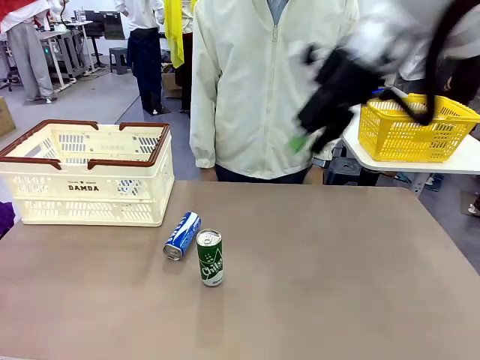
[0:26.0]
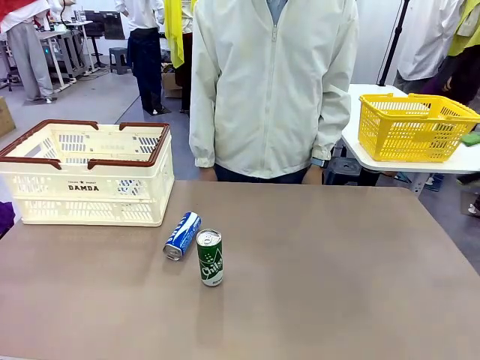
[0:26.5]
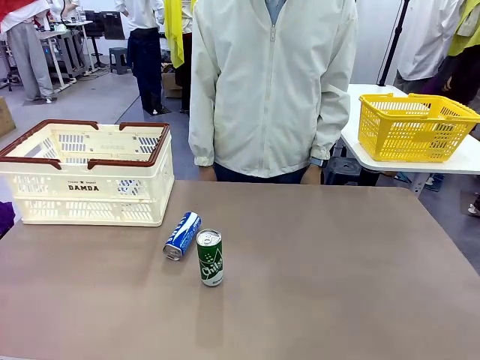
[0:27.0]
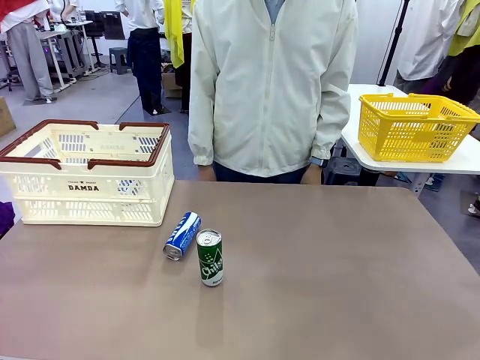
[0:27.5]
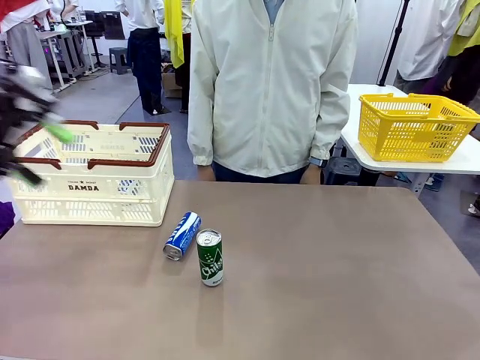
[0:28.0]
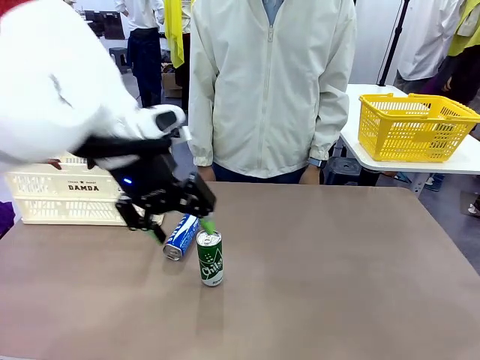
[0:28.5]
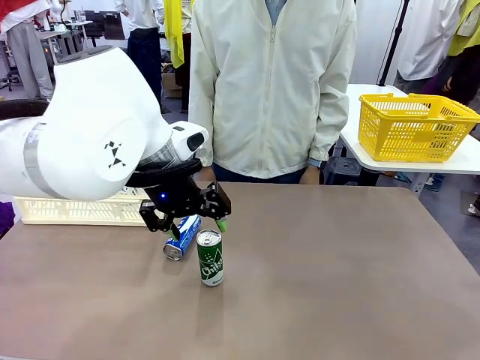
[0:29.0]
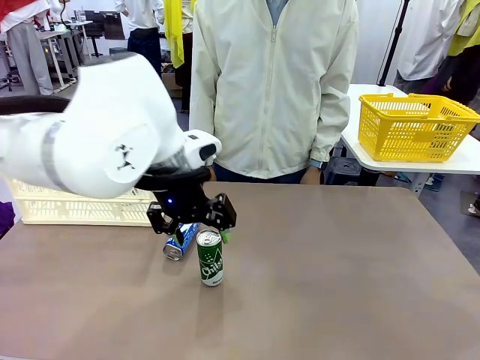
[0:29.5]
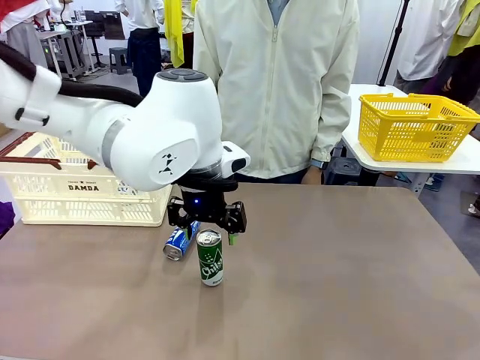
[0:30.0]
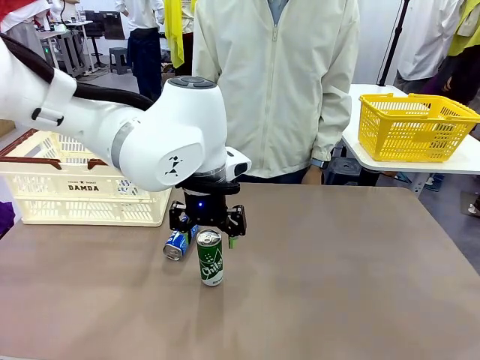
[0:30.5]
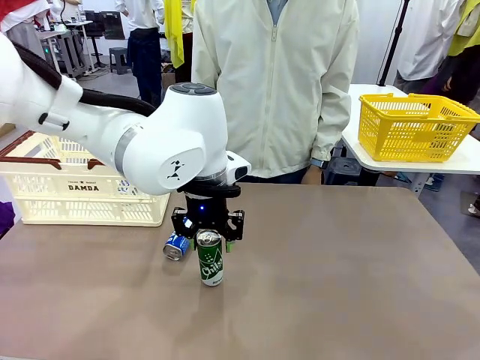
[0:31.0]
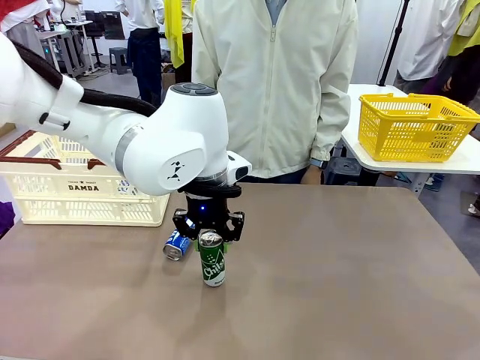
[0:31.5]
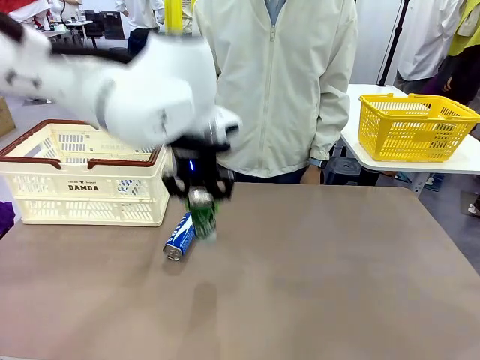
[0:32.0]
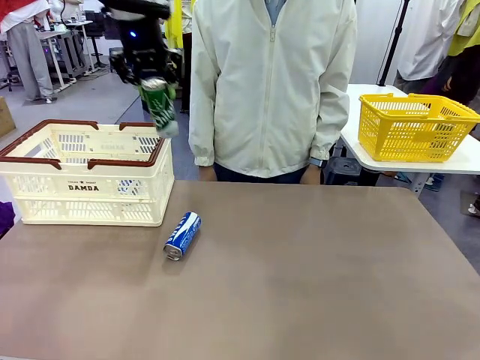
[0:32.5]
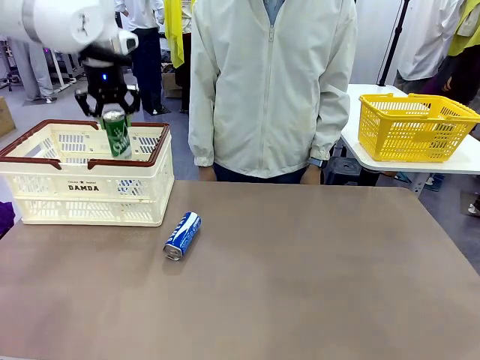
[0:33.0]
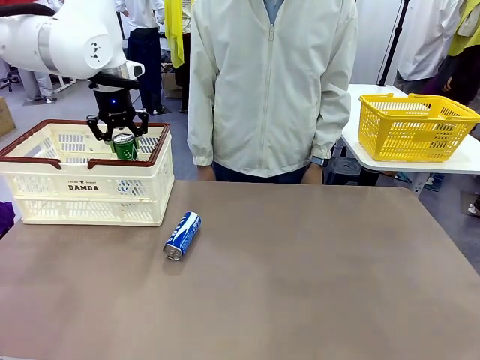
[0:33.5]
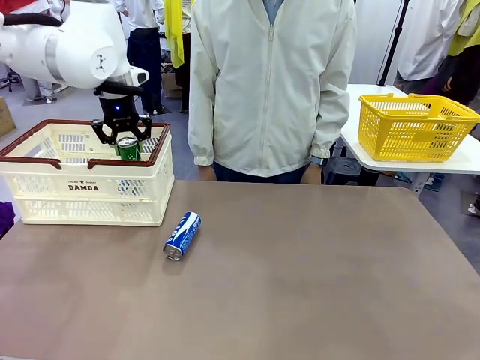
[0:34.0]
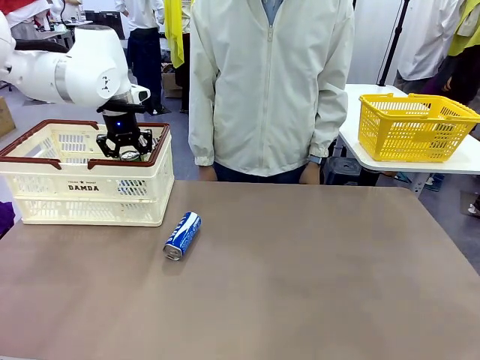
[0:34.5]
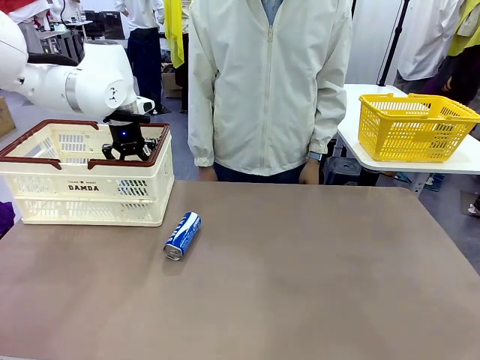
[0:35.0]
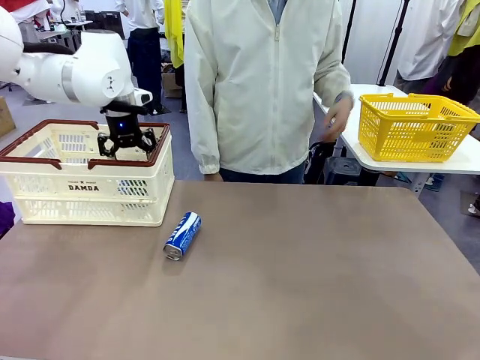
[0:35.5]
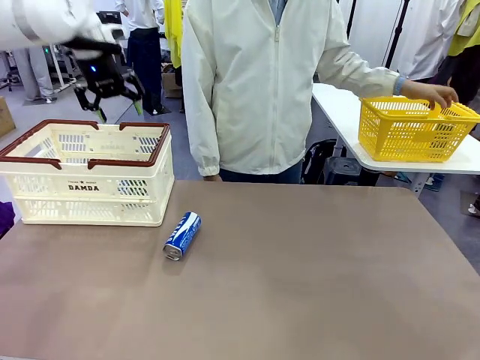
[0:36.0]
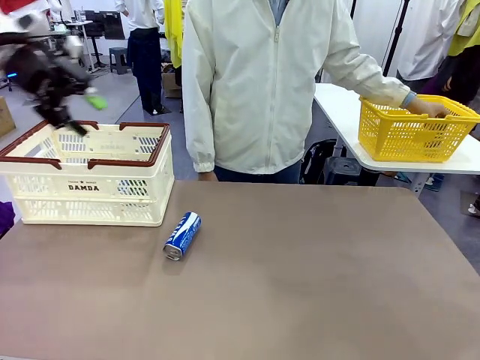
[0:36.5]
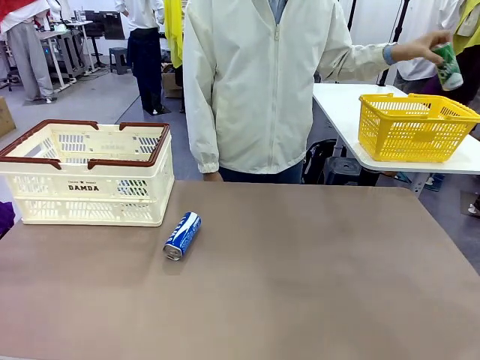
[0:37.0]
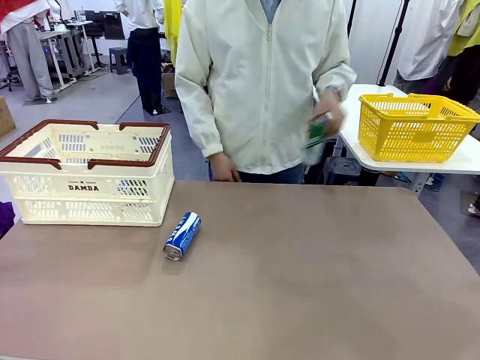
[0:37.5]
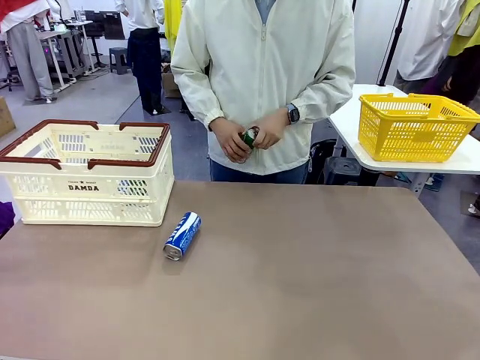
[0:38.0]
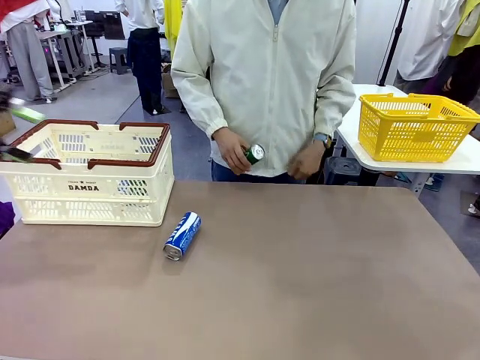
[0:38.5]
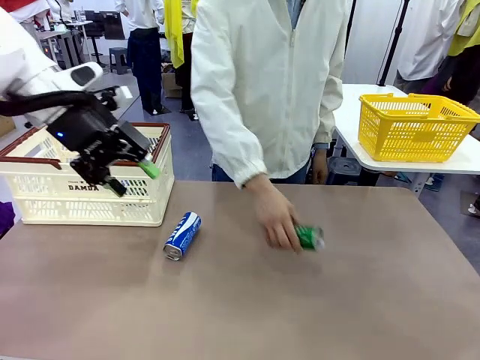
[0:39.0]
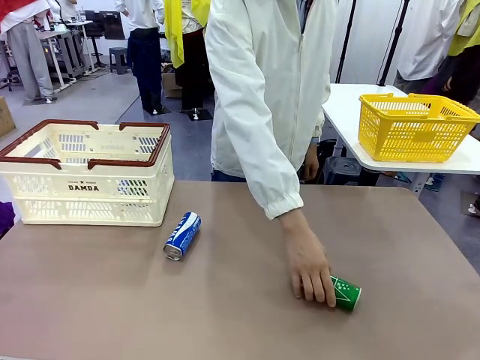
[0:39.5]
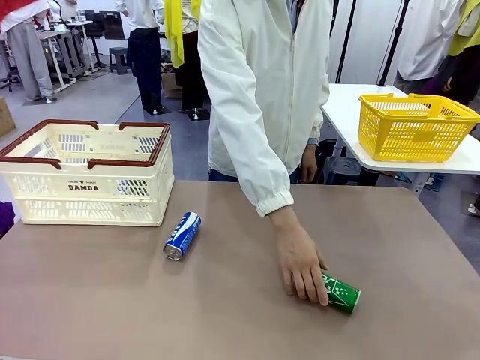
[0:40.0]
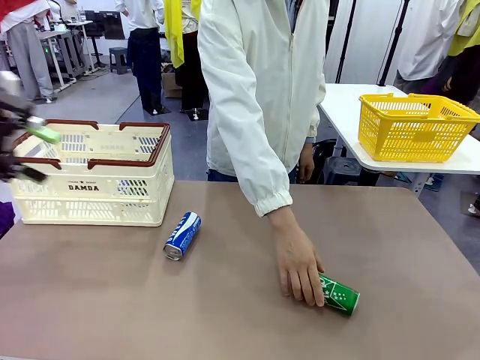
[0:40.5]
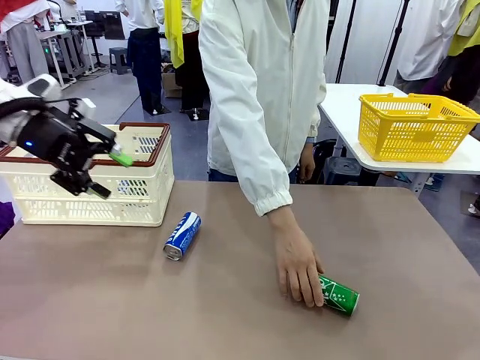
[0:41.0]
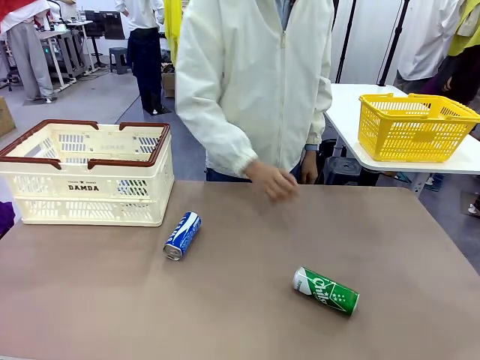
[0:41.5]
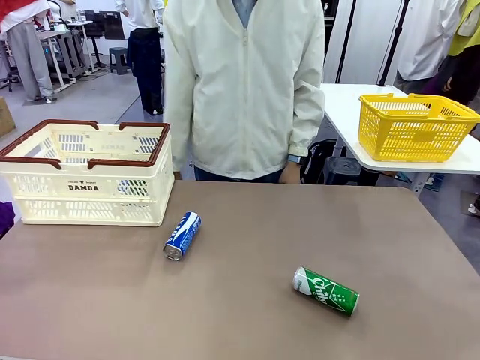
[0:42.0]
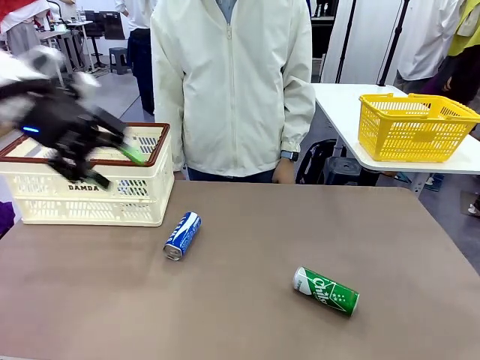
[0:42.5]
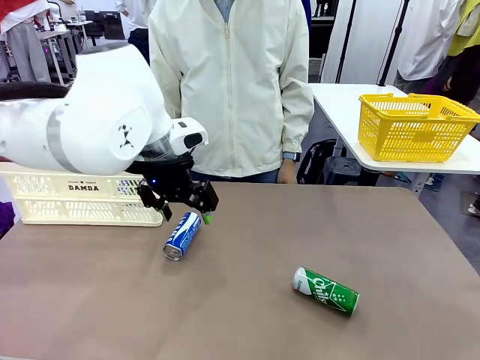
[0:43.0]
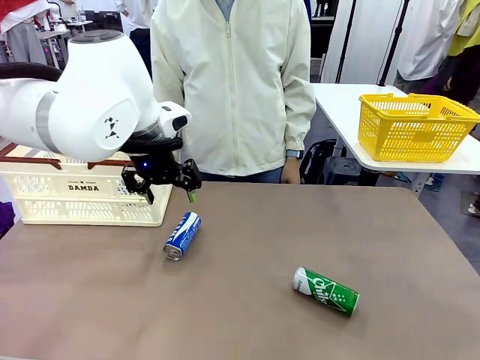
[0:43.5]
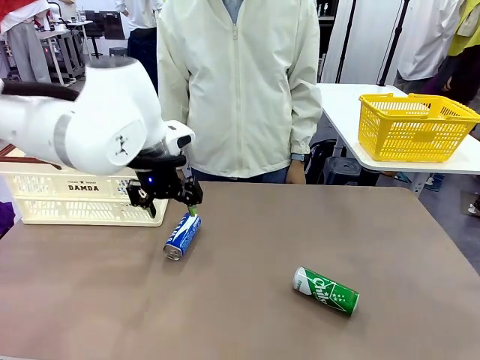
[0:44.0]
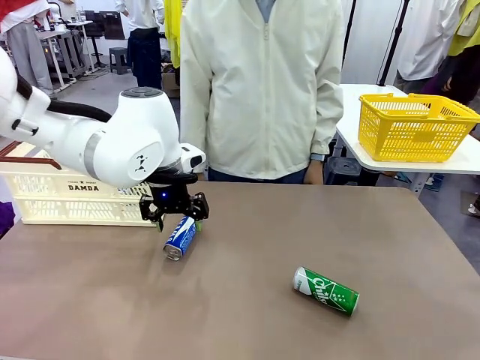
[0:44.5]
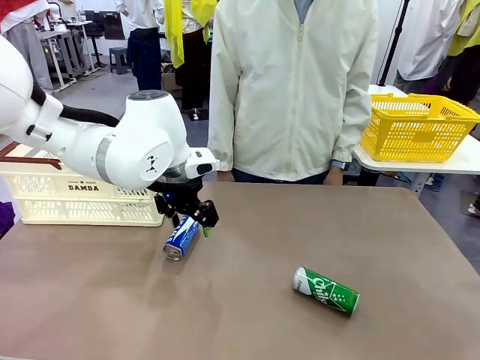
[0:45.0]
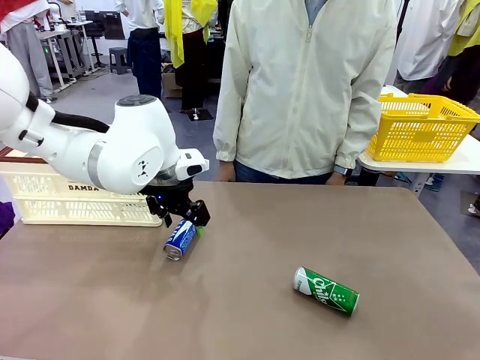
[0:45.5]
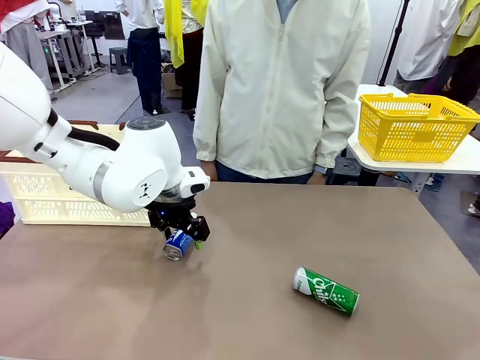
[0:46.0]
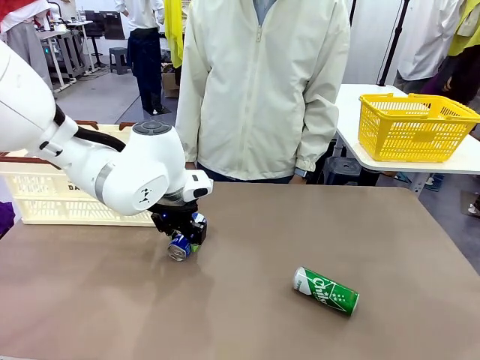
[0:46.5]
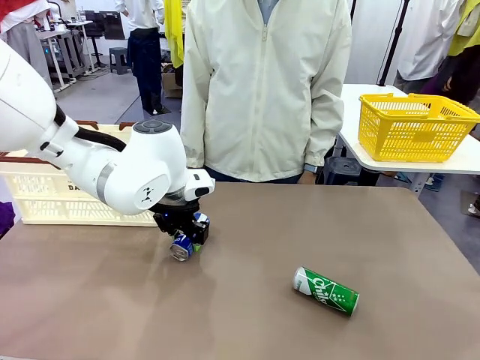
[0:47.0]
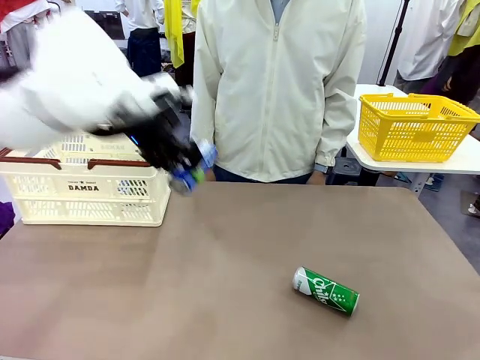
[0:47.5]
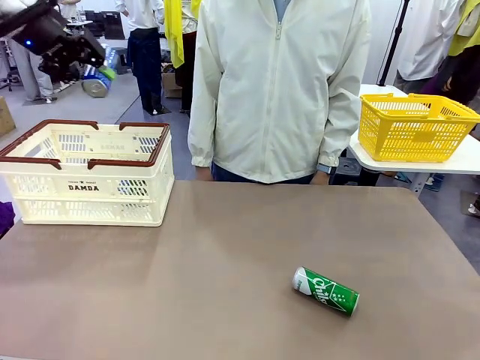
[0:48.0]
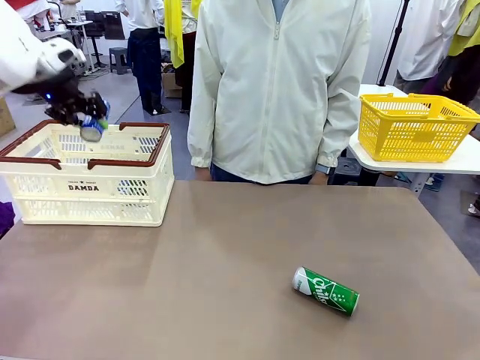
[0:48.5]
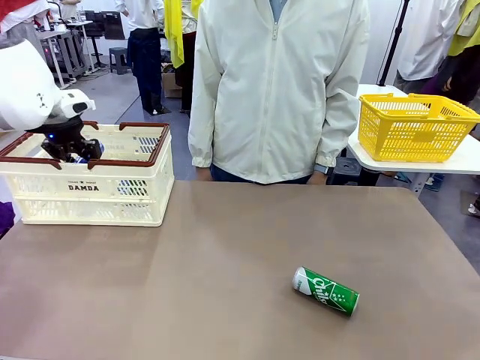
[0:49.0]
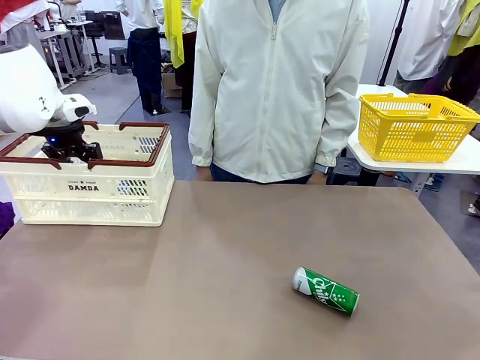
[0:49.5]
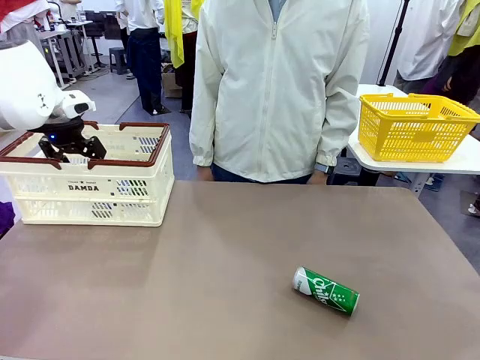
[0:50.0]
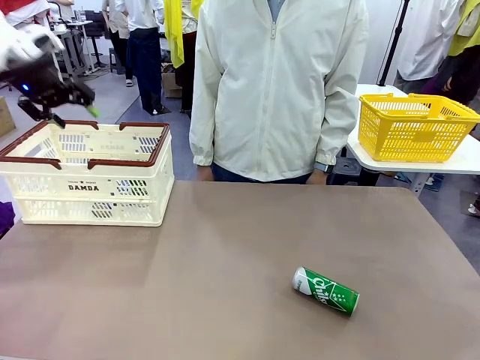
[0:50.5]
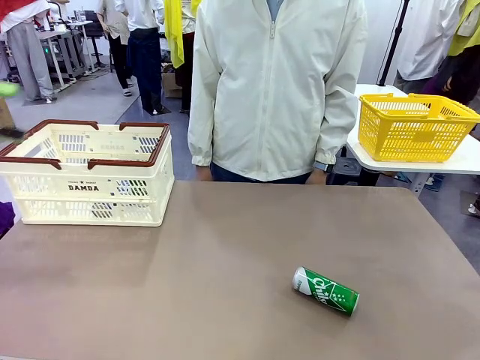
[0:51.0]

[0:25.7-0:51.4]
Task: Place the drinks into the Shopping basket.
Robot: Pick up one drink and place it into the Shopping basket.
